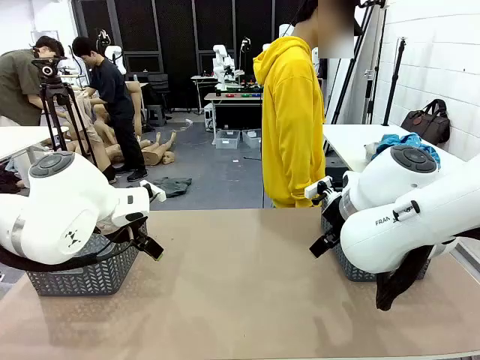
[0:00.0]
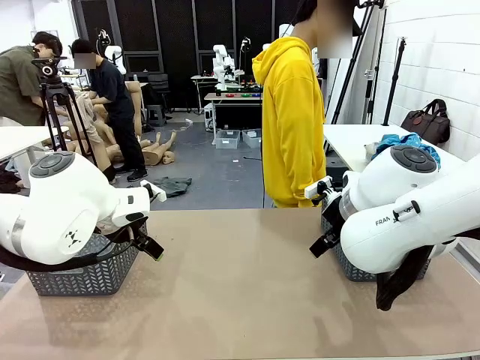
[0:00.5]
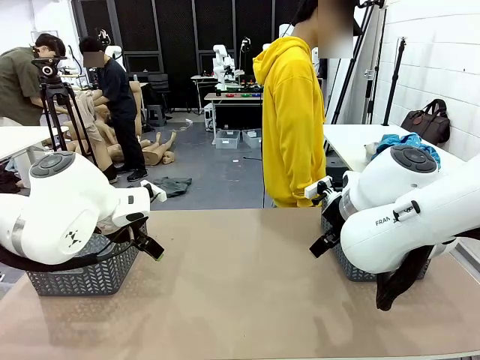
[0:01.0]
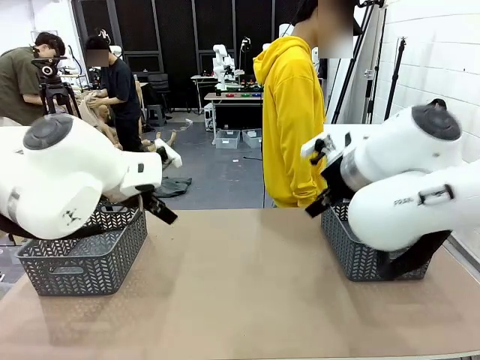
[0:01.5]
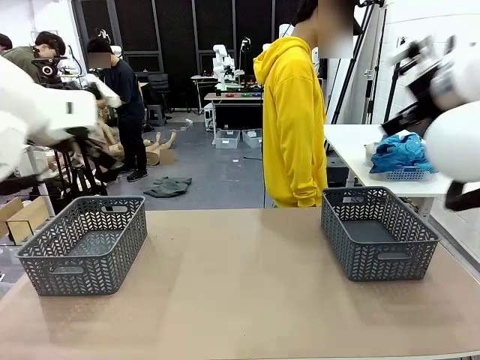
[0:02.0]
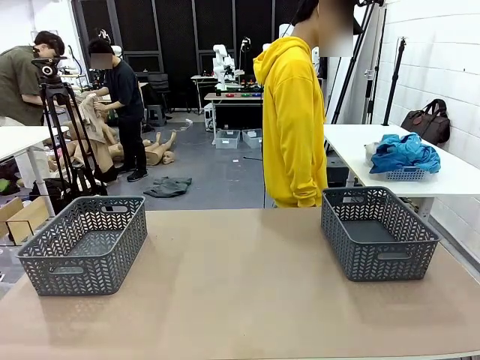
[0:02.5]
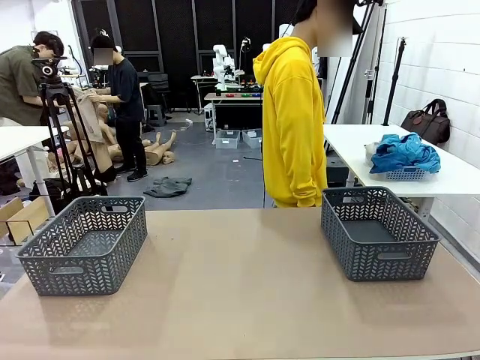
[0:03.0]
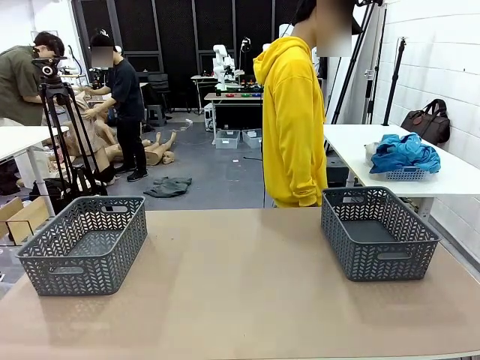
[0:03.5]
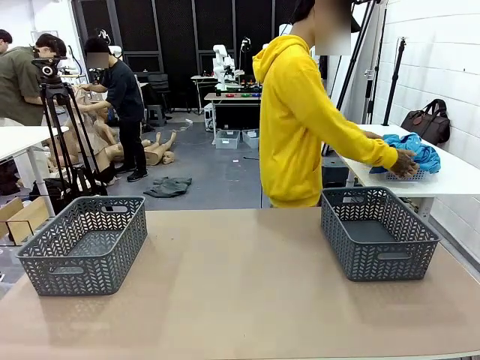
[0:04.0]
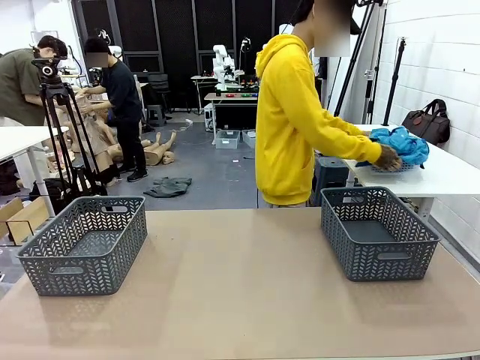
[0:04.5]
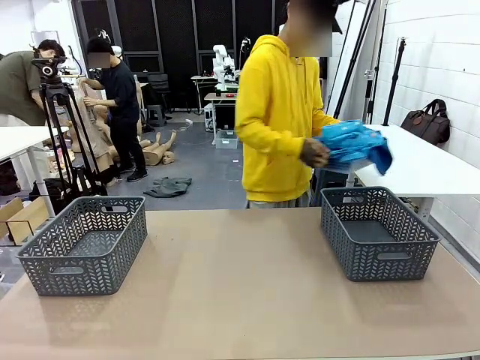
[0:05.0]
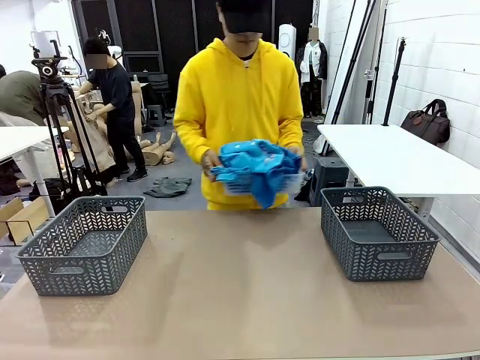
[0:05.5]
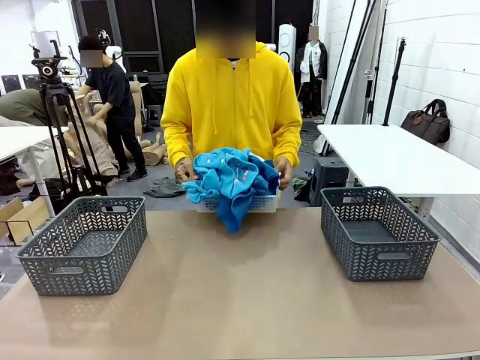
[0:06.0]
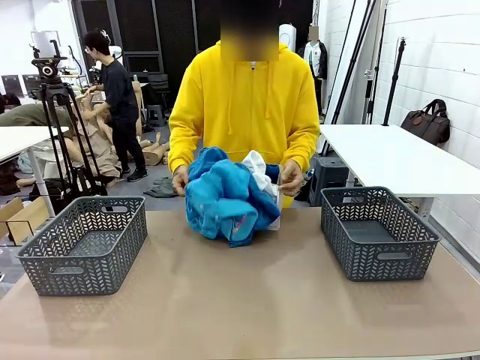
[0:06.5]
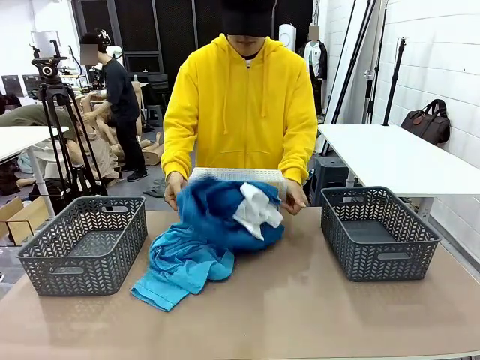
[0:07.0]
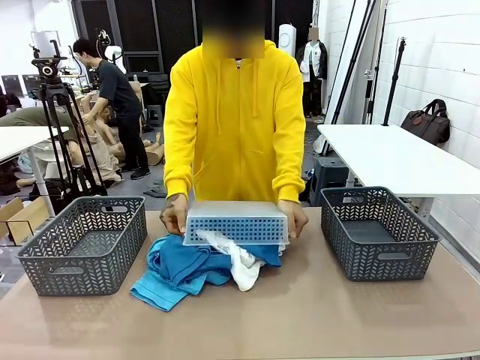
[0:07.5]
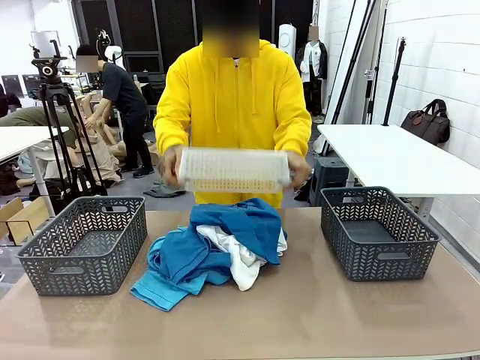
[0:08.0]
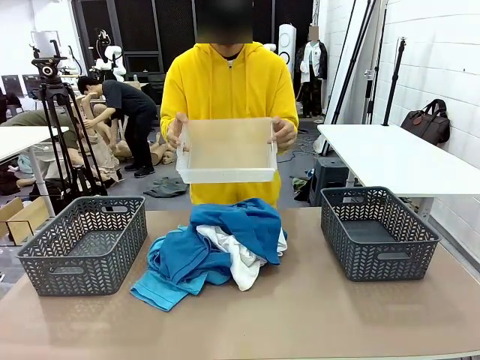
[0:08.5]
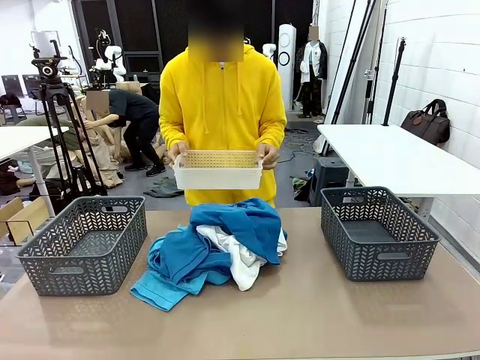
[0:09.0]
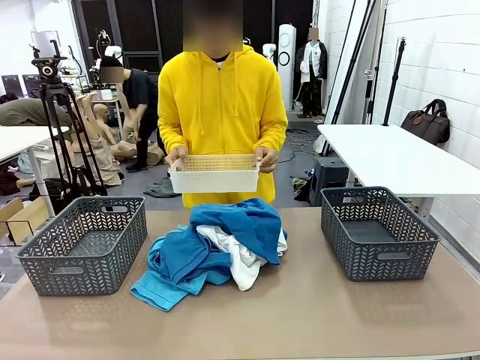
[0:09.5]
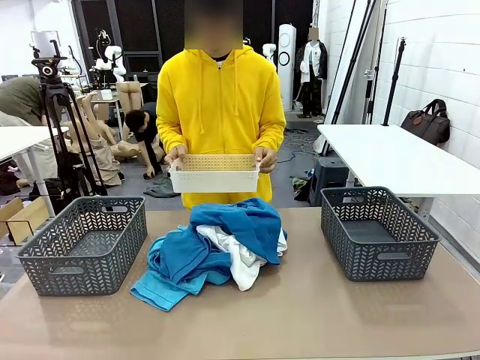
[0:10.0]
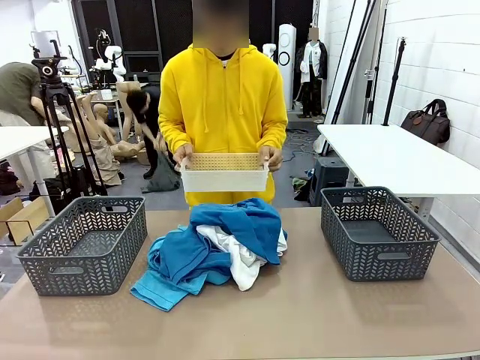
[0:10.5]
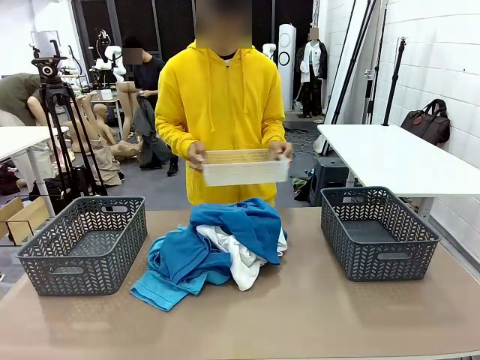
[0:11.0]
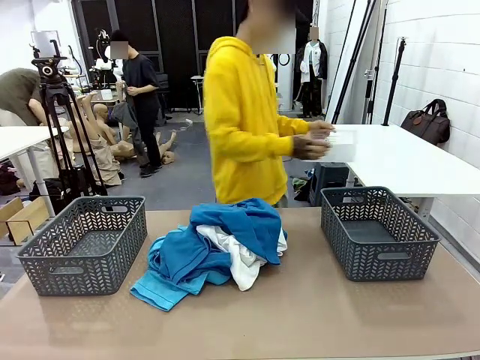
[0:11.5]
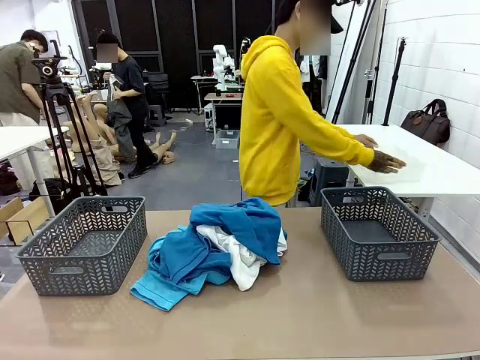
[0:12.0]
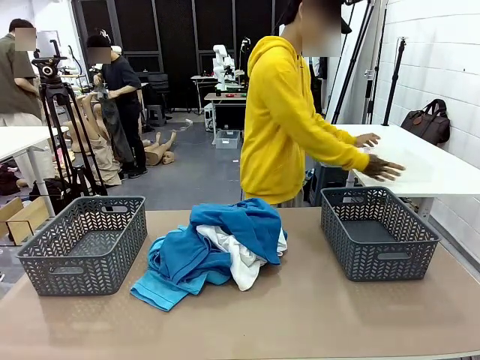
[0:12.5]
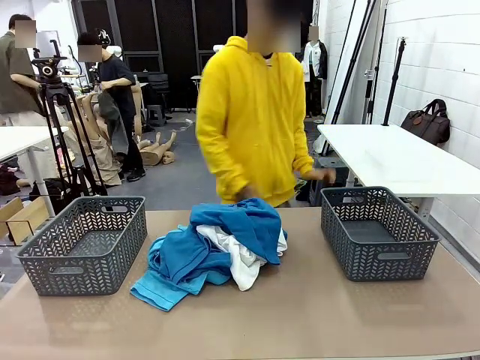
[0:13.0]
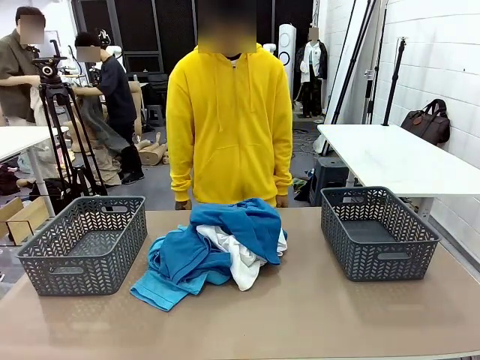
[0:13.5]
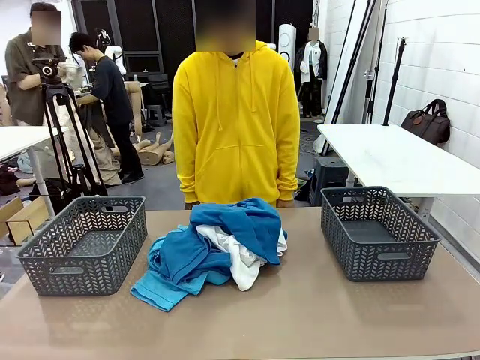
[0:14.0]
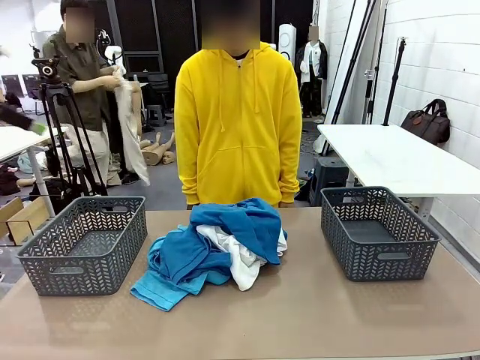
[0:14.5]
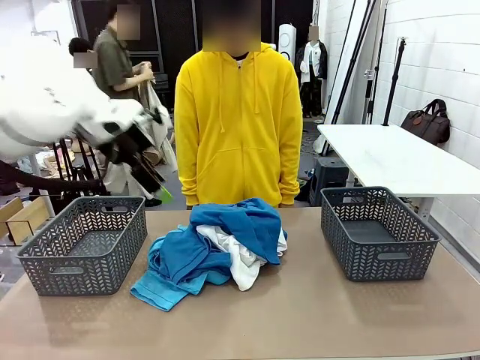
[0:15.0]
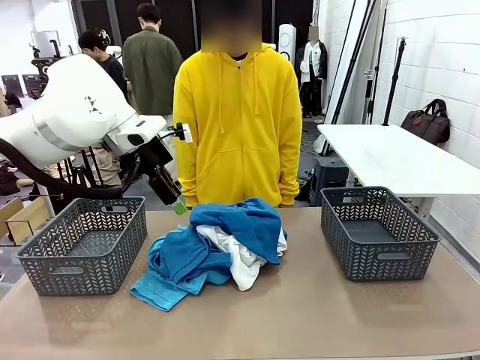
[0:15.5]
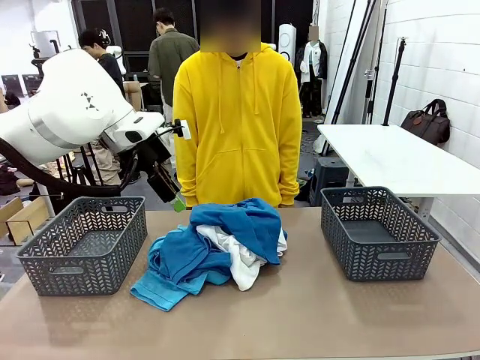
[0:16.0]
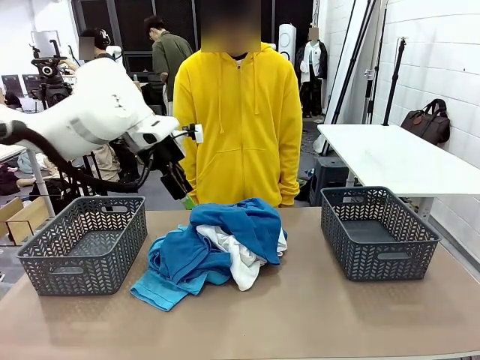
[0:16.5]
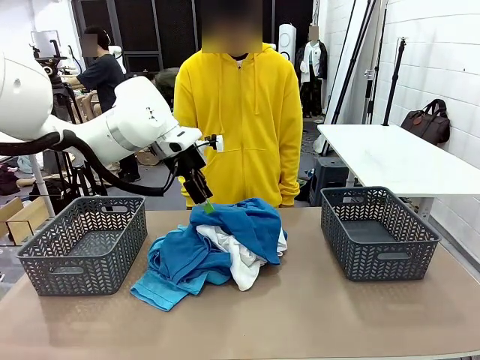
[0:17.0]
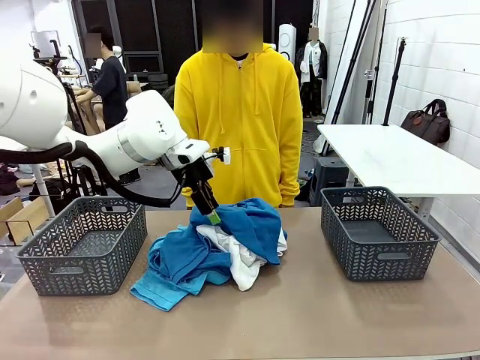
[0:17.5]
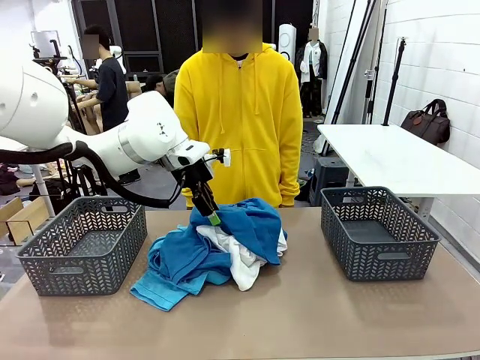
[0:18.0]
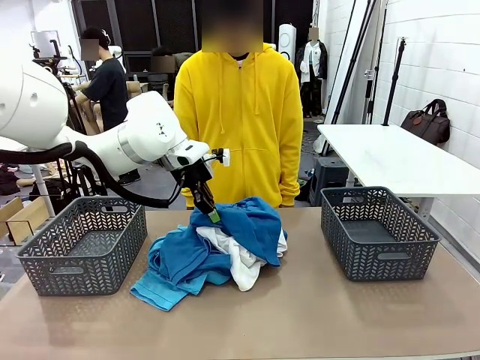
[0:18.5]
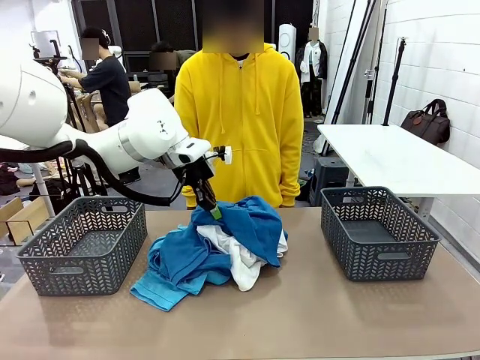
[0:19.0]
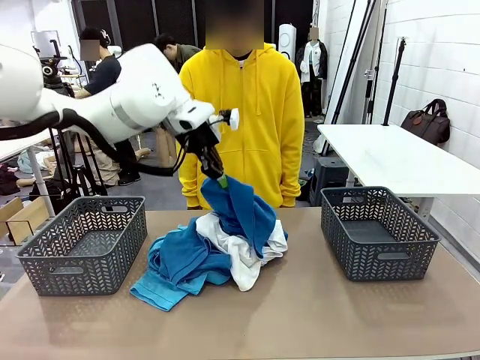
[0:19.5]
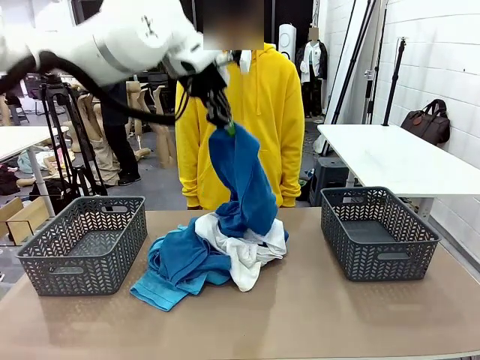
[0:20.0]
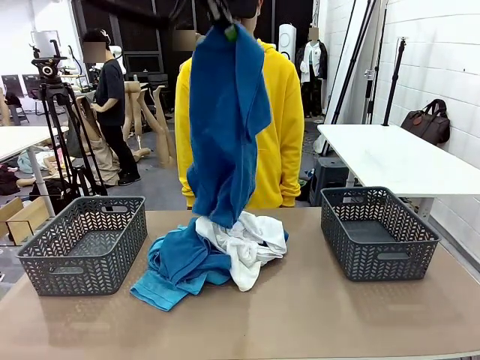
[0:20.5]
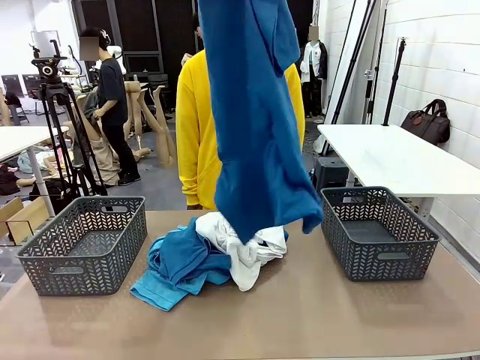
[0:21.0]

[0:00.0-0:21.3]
Task: Sort the tops and bottoms.
Robot: Lift clothes from the center of the table with your left hand.
Person: Pour the clothes from the basket onto the center of the robot table.
